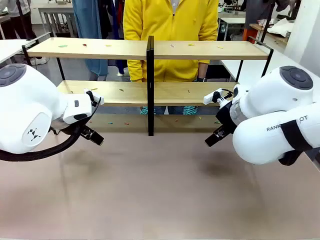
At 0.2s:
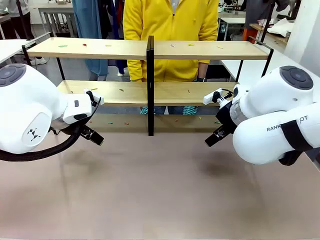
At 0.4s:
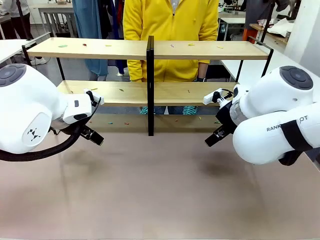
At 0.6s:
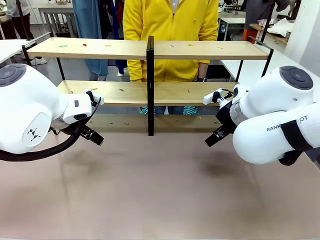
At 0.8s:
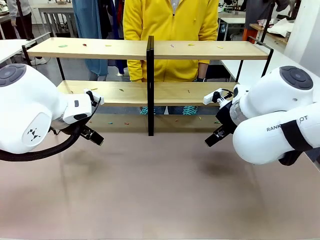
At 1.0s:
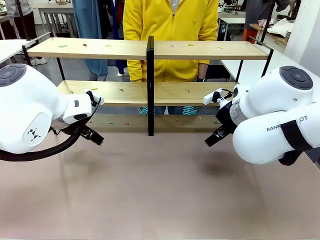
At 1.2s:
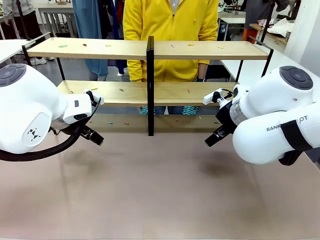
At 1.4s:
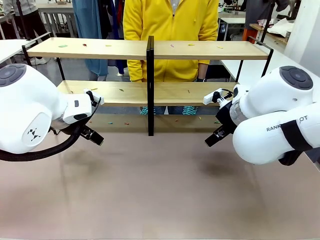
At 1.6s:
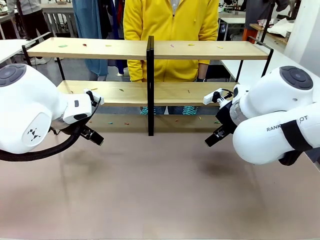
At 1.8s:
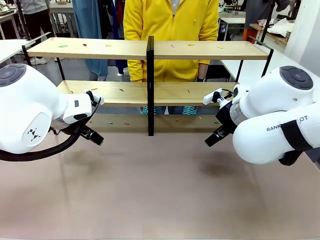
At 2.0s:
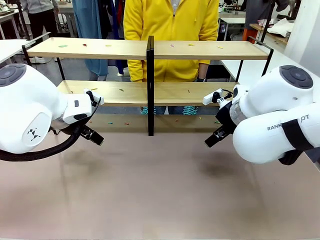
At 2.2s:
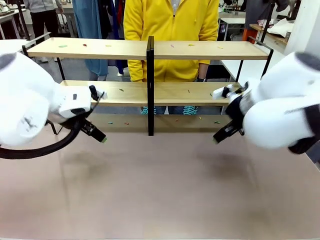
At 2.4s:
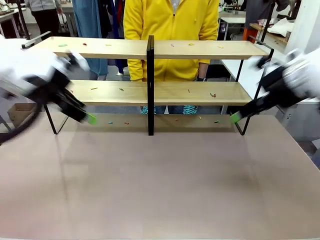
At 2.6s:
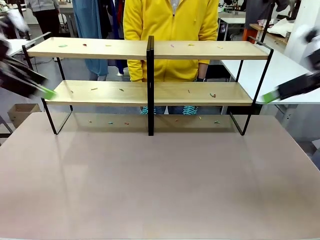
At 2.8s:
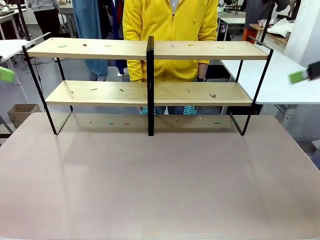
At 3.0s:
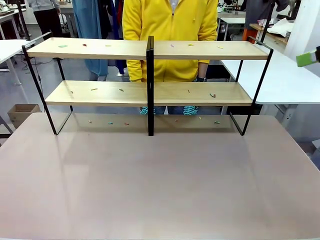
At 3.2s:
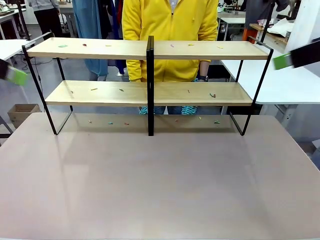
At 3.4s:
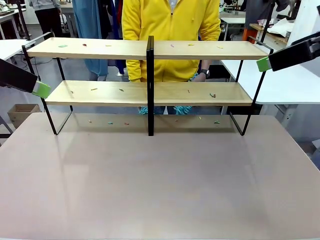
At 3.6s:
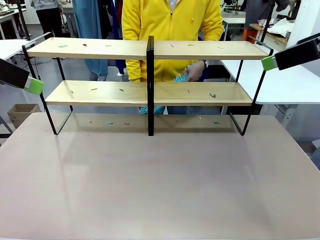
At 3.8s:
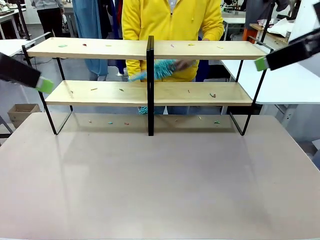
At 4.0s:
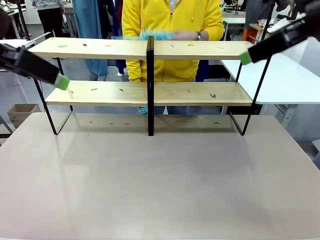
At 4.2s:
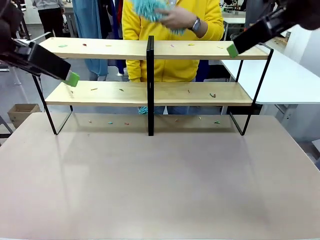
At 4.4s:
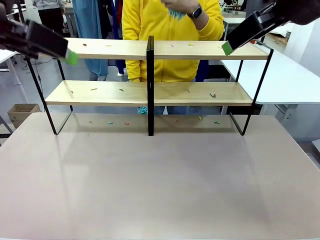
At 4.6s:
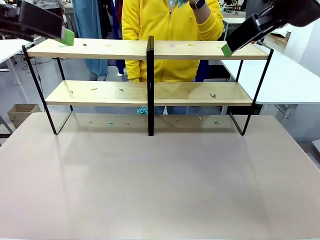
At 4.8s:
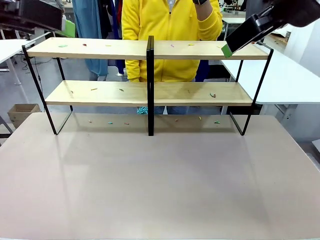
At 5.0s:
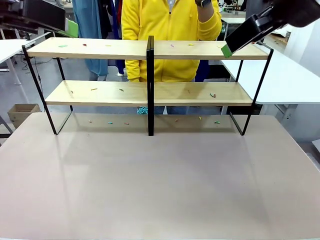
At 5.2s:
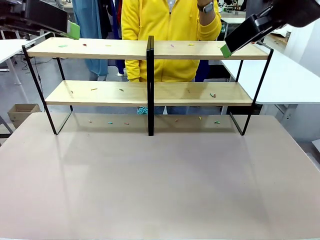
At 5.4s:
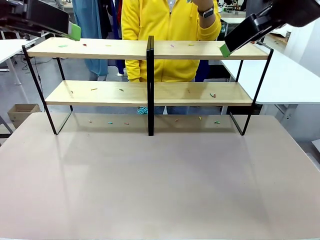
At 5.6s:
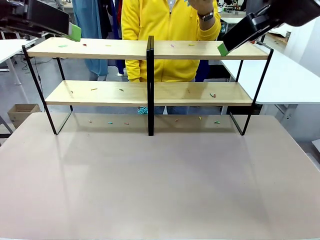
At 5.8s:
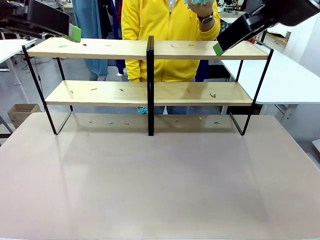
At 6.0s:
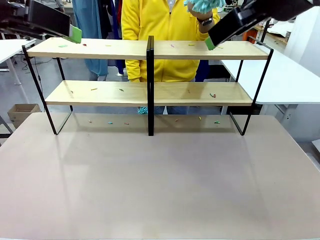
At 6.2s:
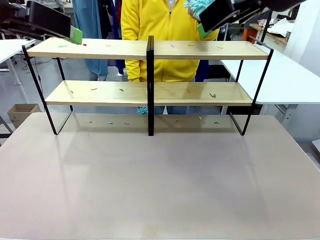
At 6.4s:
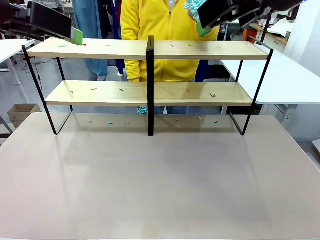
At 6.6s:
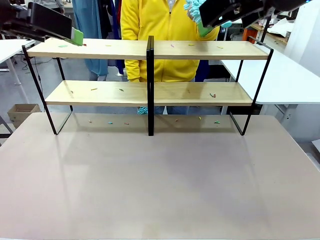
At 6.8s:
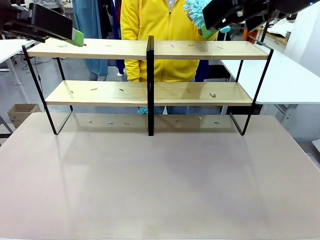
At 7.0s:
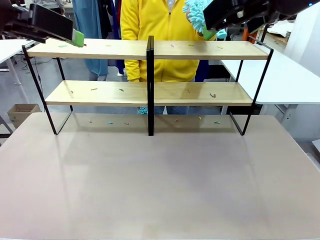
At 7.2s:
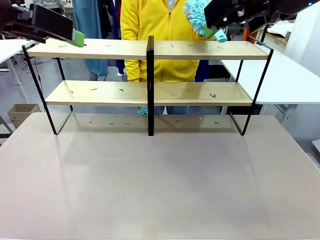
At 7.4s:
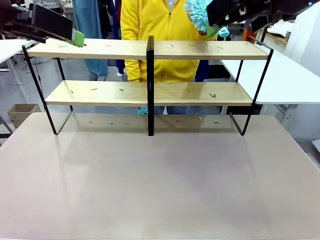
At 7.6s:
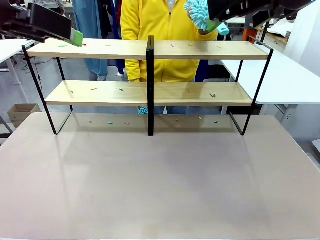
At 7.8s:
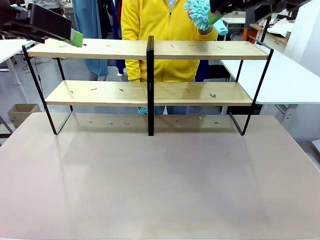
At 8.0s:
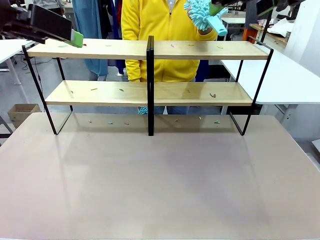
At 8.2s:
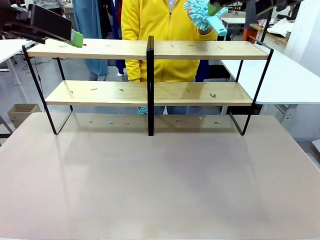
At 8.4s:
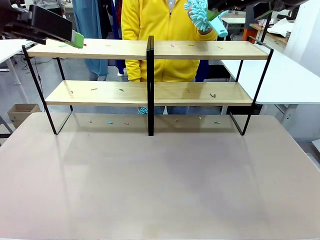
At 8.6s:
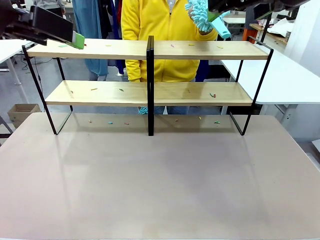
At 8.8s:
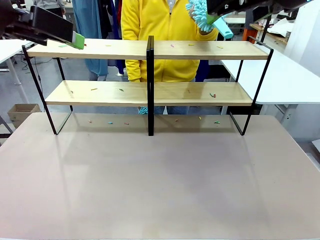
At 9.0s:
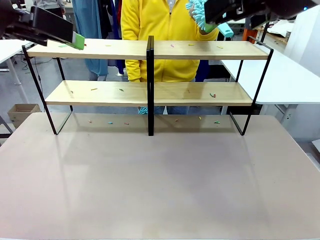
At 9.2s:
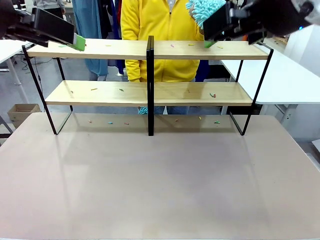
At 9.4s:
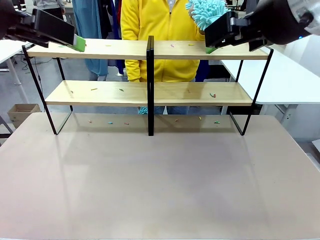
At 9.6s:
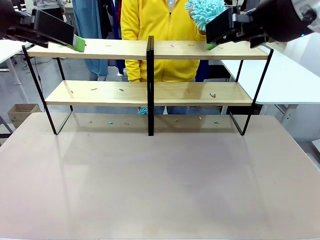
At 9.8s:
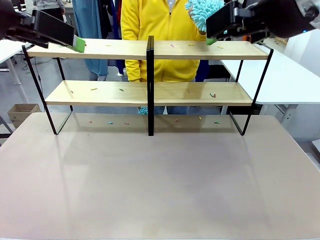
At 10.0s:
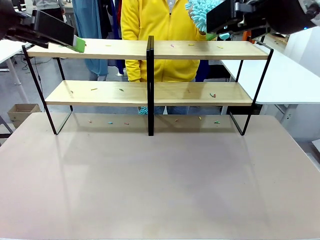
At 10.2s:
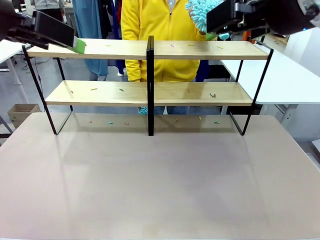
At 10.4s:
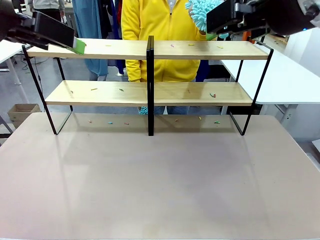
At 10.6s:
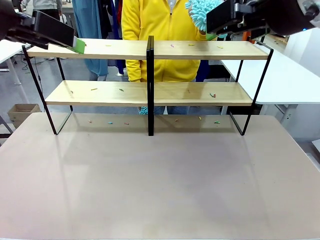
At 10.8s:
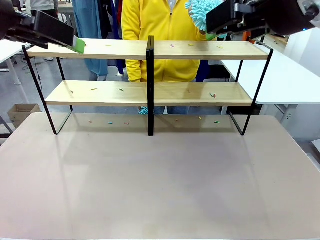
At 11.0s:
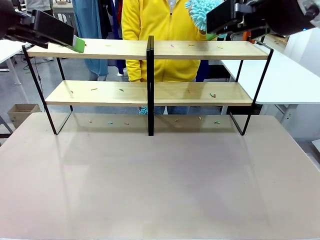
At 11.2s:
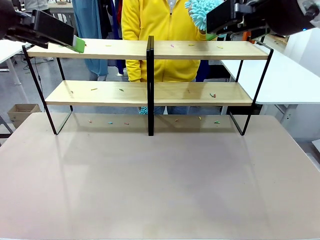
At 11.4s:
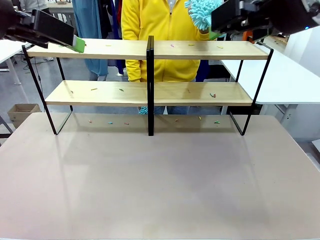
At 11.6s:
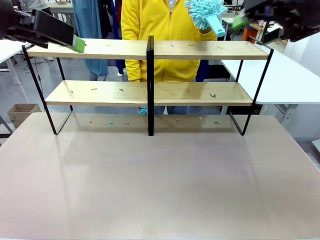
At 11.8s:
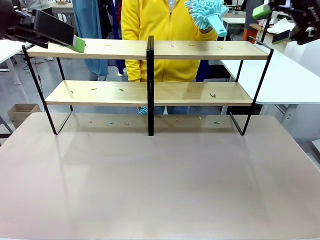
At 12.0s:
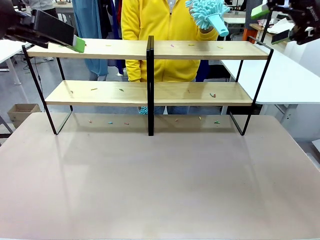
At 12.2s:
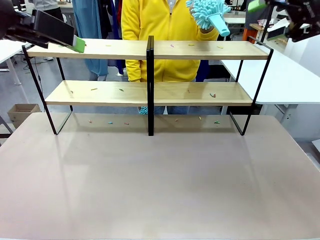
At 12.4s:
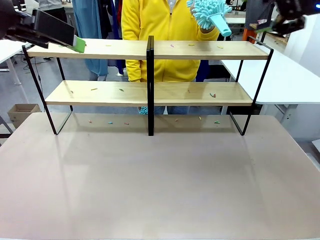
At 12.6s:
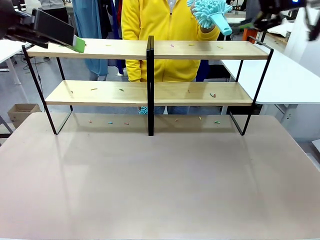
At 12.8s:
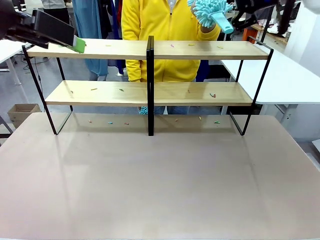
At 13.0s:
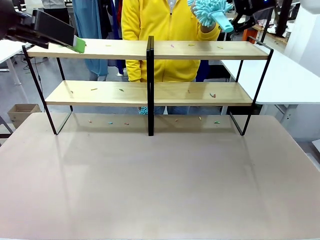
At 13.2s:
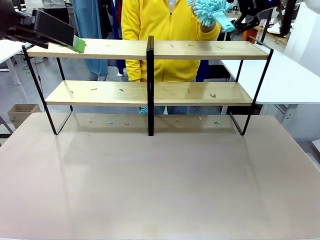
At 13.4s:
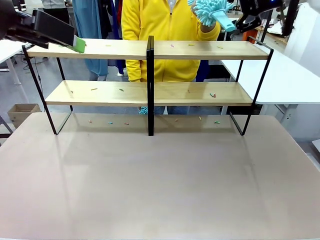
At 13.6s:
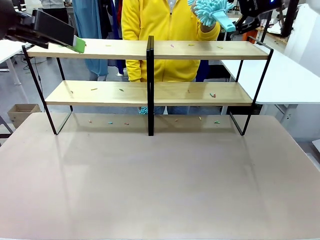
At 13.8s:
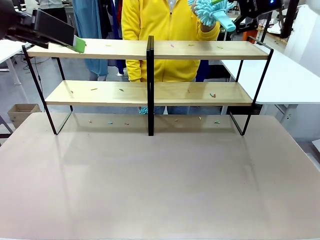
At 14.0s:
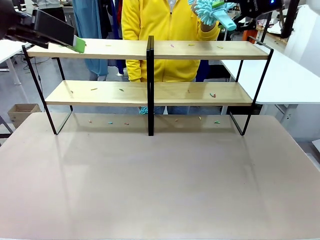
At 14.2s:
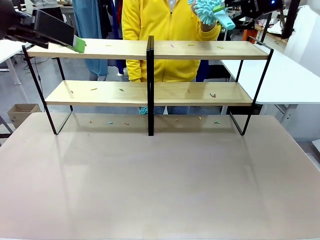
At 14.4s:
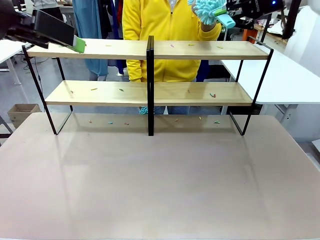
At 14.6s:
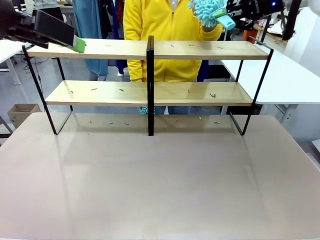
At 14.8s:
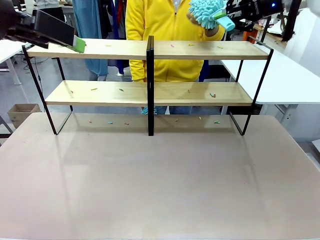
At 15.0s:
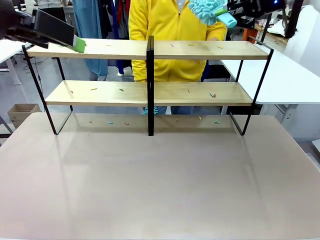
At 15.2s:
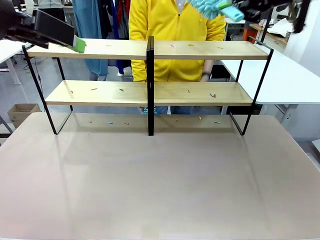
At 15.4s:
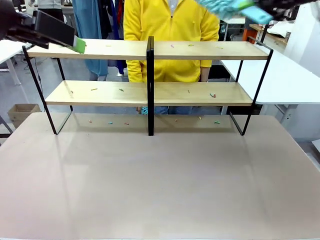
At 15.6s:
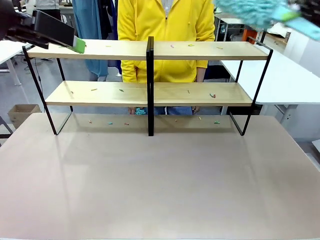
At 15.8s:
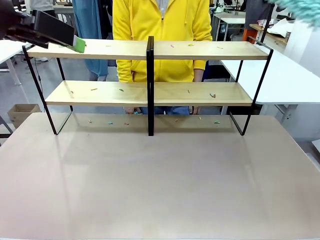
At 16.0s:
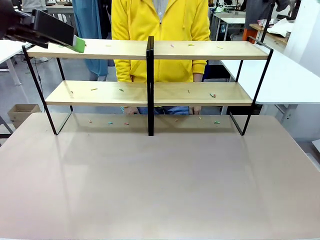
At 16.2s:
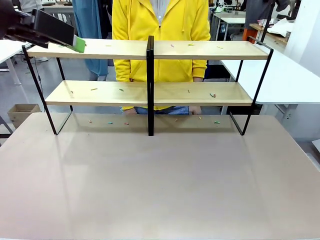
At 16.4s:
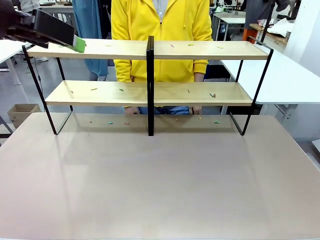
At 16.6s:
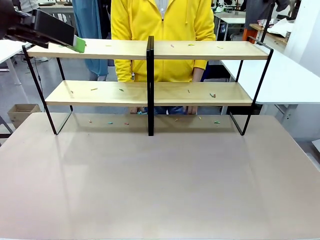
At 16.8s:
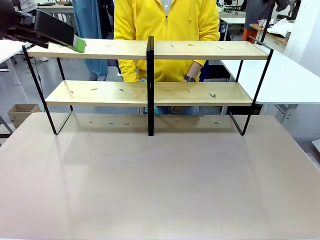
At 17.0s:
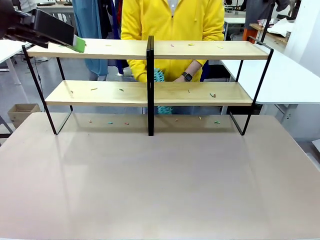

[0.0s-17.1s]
Task: Clean the shelves.
Robot: Pick up the Duster when the human hands it over.
Person: Hand the Duster to the robot with your right (or left) hand.

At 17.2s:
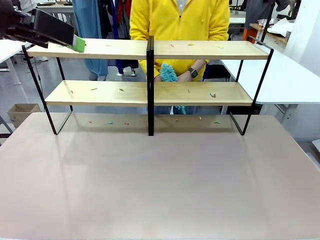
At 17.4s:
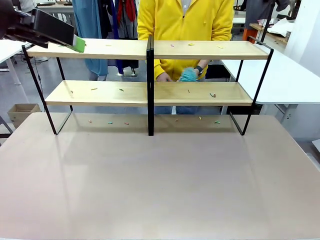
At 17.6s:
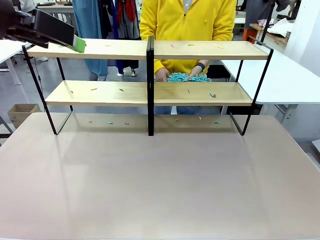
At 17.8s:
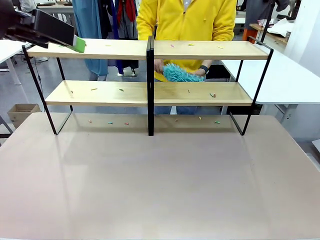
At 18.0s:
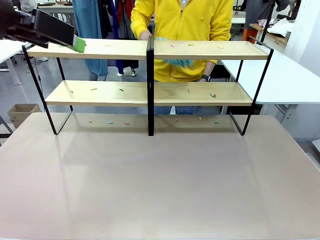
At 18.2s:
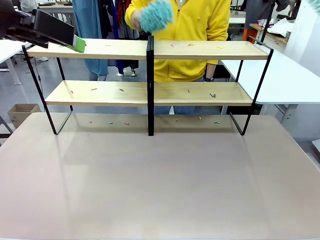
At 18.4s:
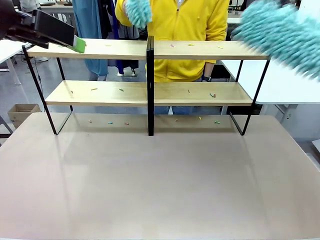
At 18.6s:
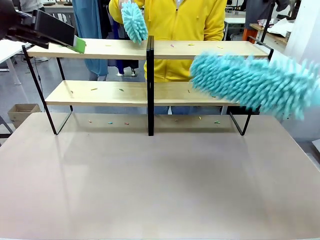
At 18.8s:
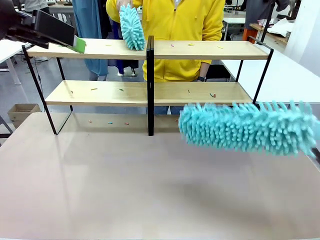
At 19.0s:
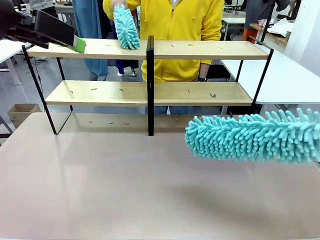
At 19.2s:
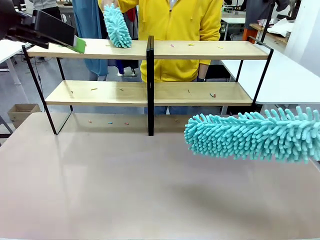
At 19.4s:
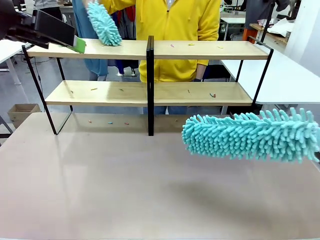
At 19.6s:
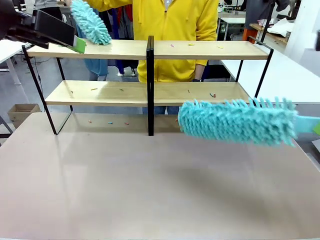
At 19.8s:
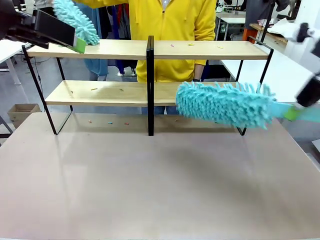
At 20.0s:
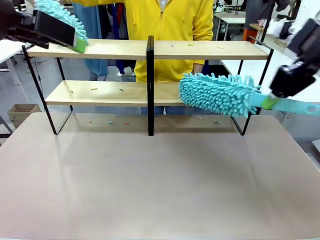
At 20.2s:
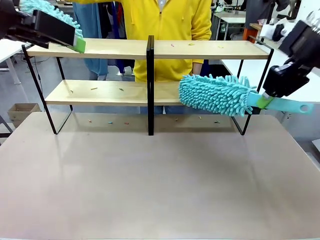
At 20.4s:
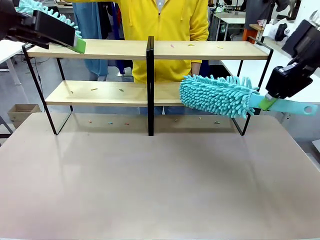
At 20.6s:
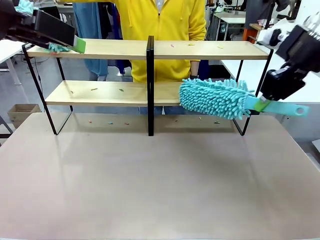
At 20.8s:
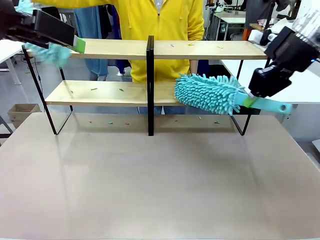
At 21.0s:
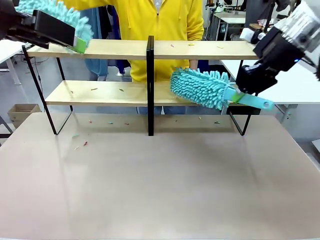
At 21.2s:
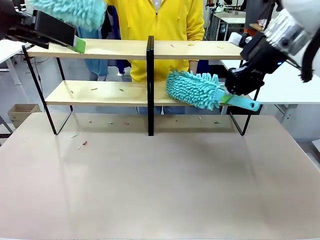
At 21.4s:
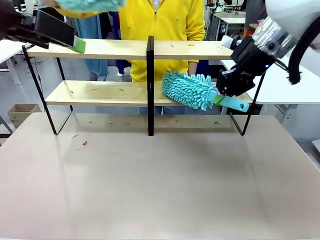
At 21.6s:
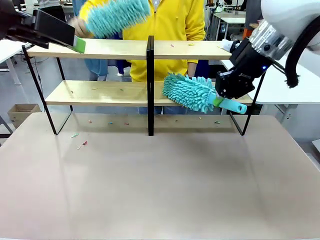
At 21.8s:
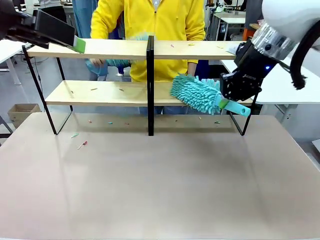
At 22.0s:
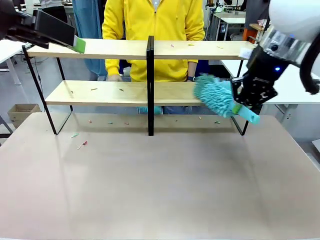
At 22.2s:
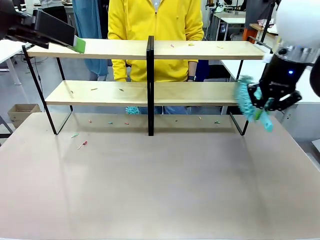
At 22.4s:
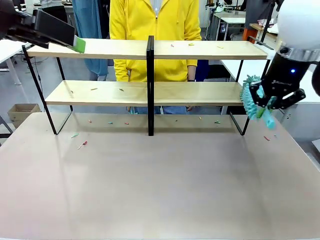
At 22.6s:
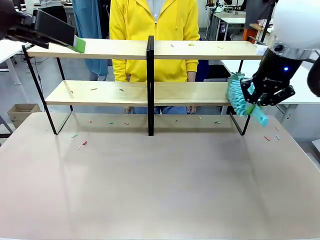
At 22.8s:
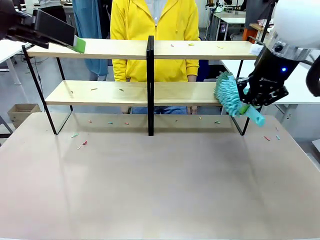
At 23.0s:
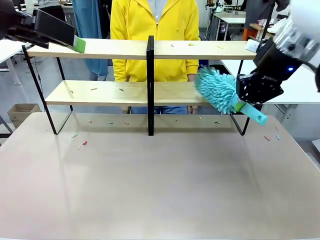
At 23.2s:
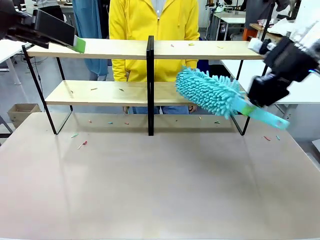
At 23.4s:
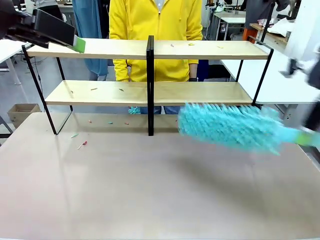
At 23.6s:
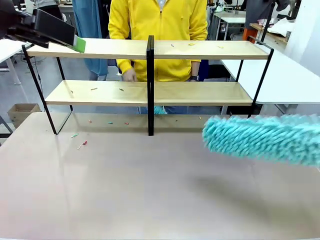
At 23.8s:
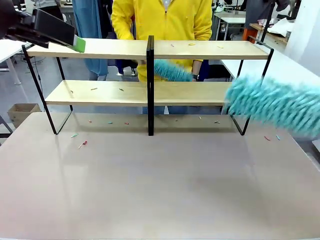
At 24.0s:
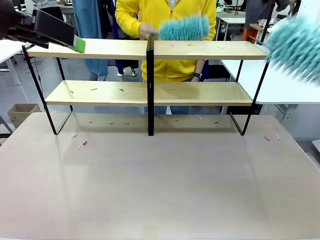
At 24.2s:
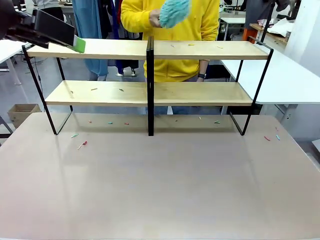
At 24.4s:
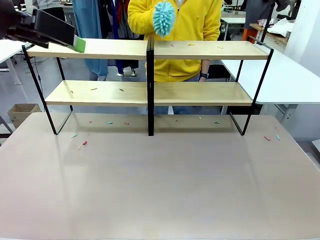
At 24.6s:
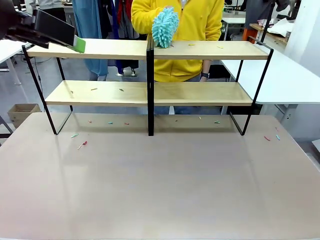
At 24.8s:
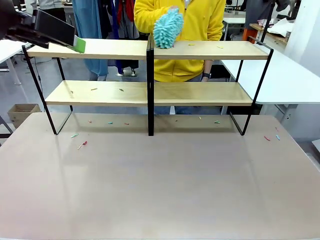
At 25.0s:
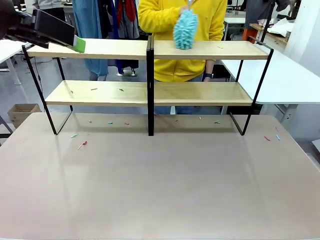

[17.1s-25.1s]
Robot: Clean a randomly selected level of the Shelf with the Duster.
